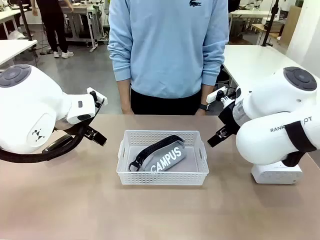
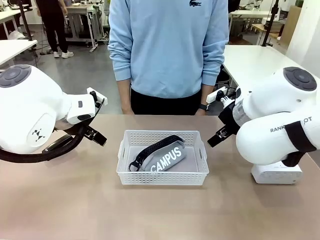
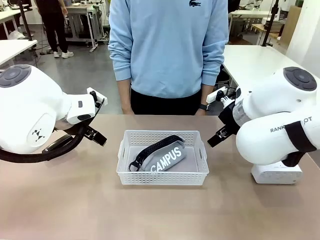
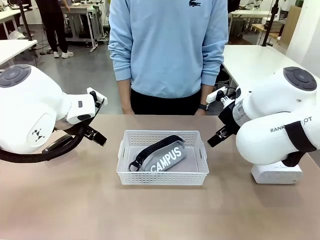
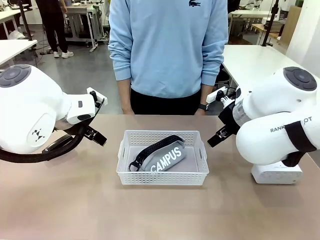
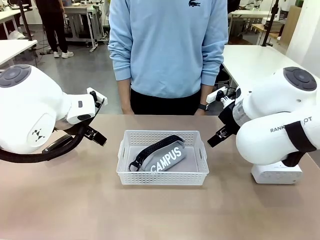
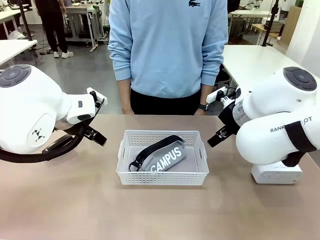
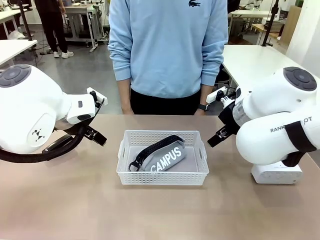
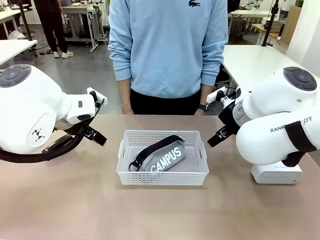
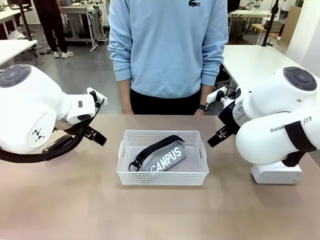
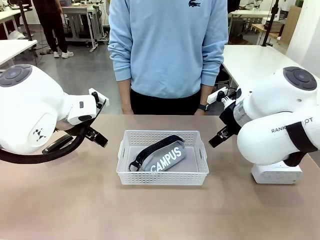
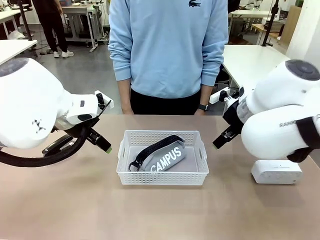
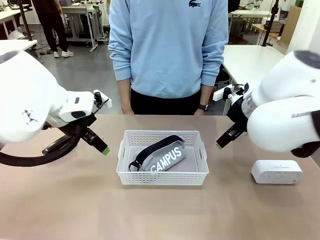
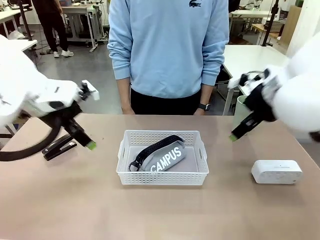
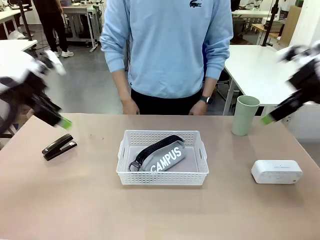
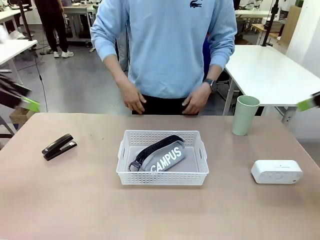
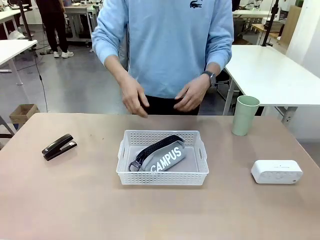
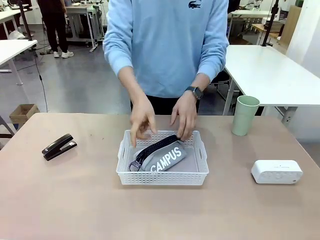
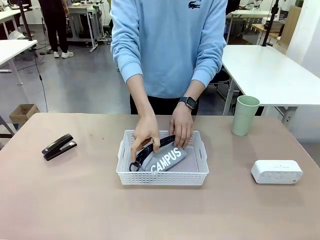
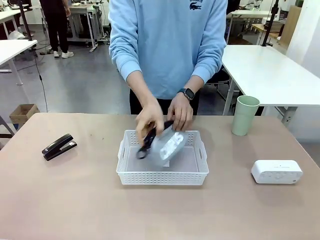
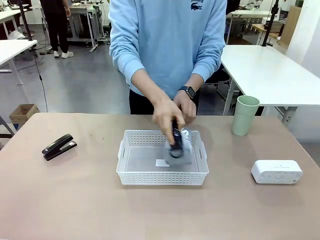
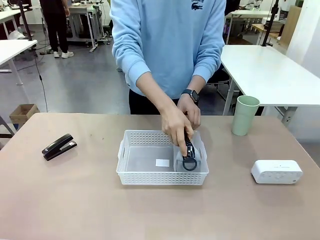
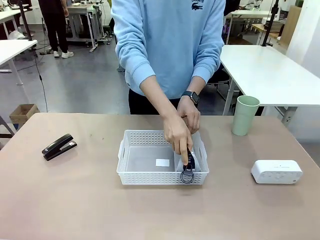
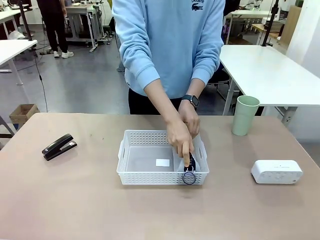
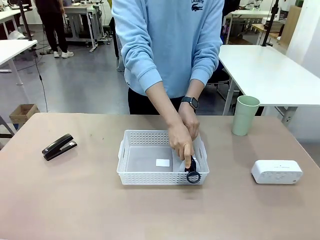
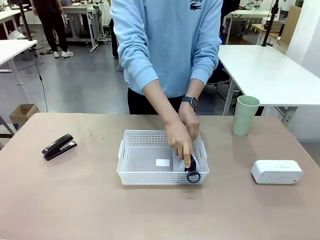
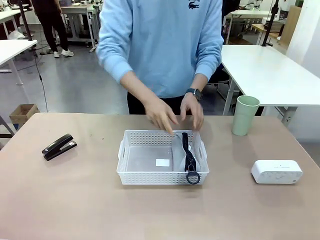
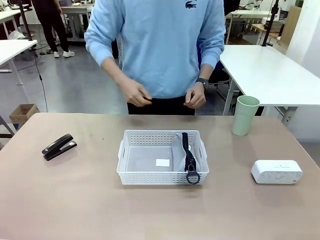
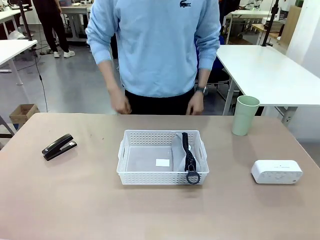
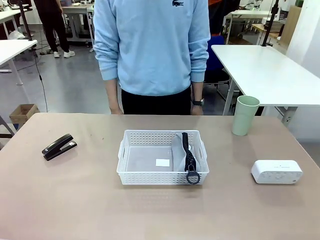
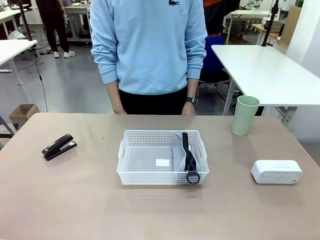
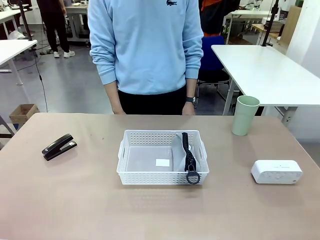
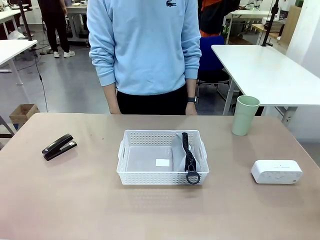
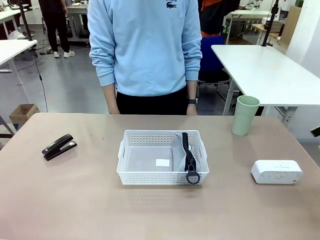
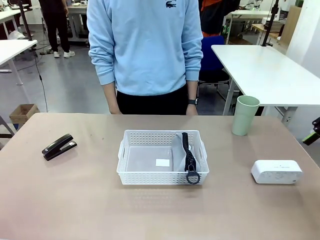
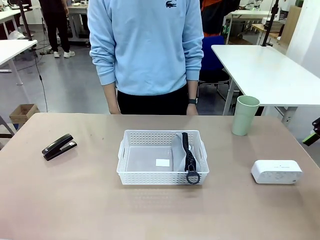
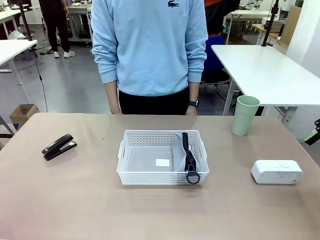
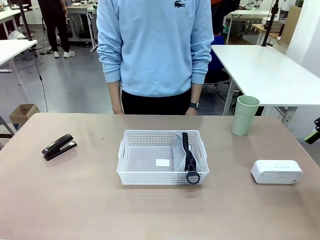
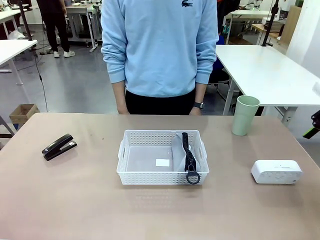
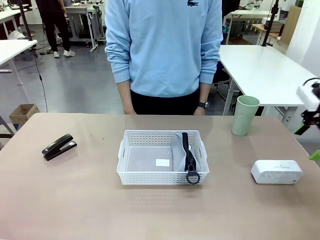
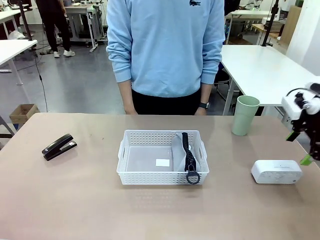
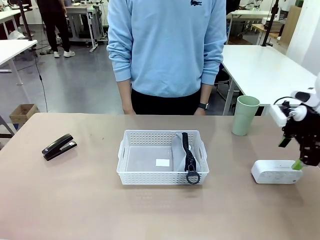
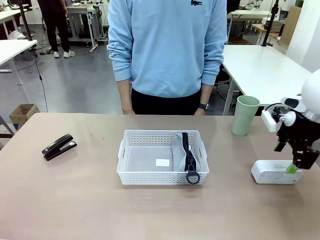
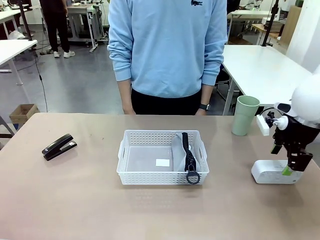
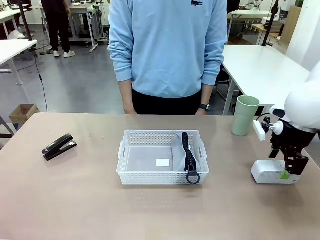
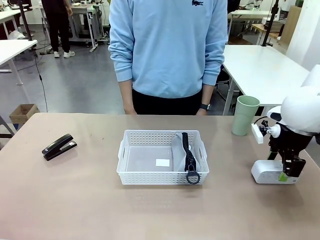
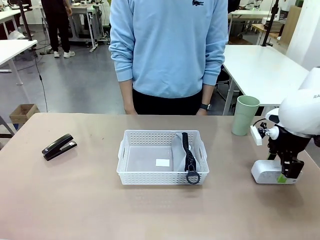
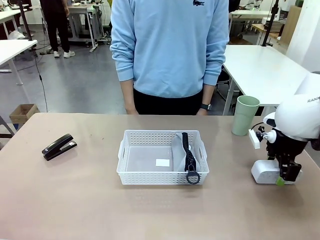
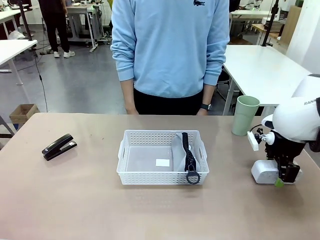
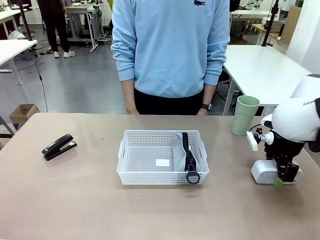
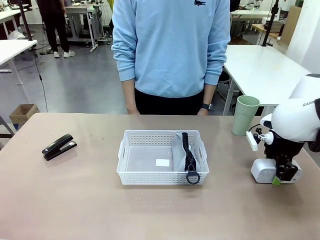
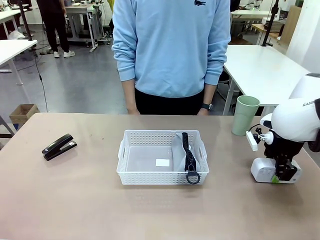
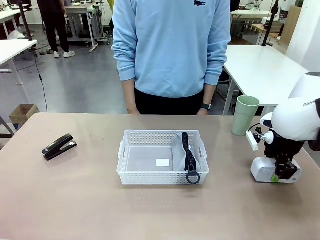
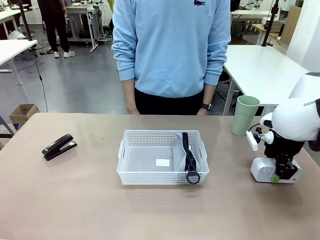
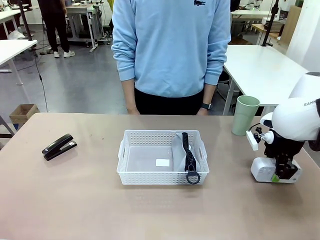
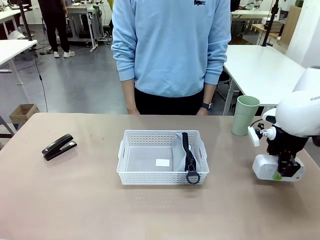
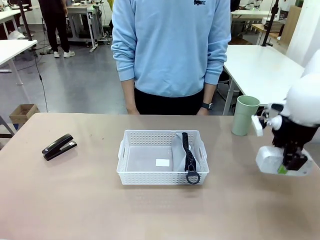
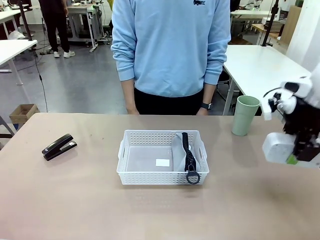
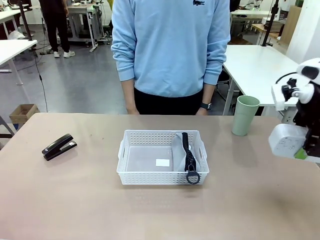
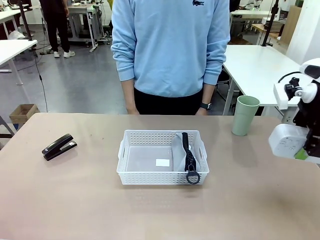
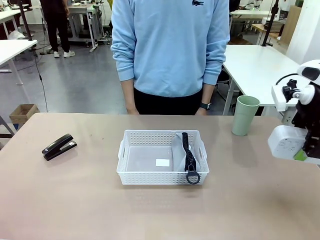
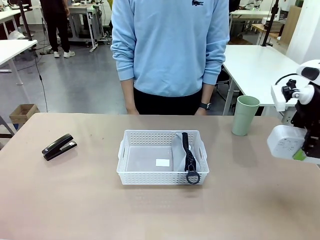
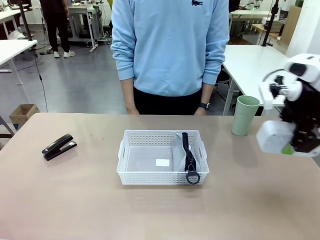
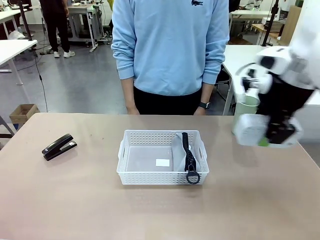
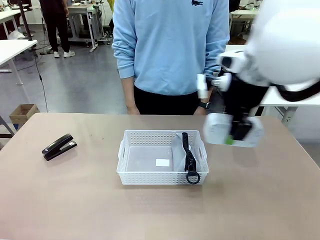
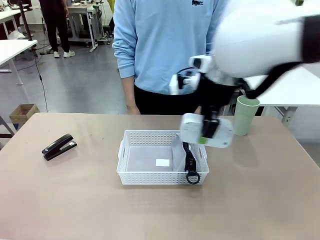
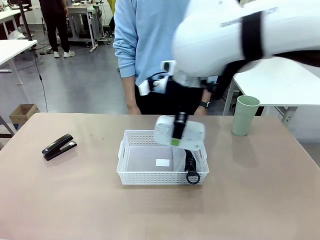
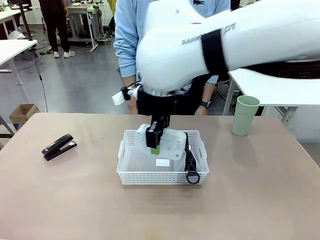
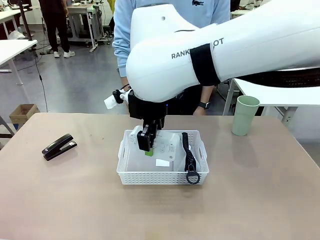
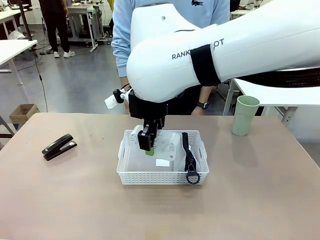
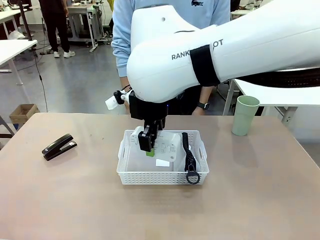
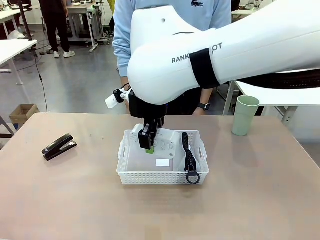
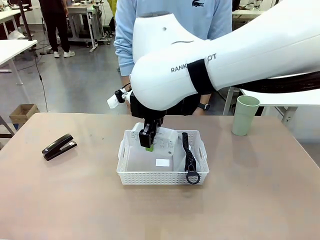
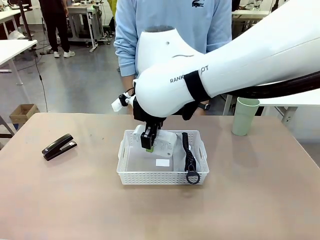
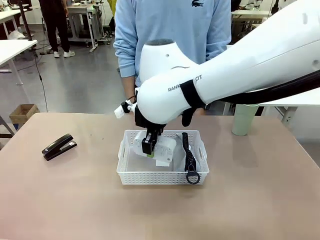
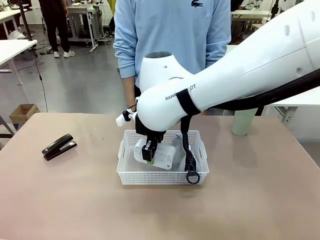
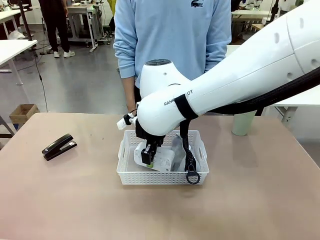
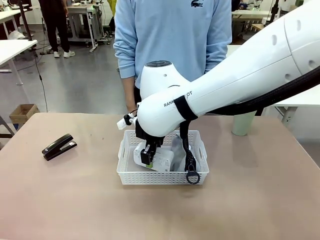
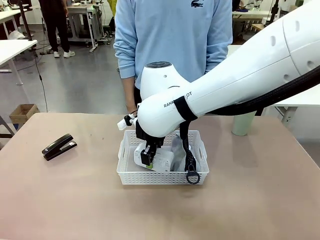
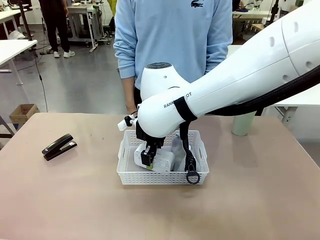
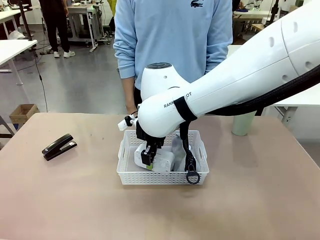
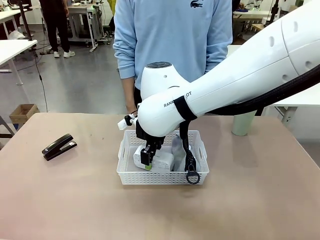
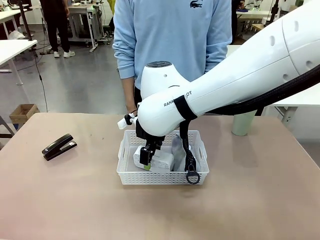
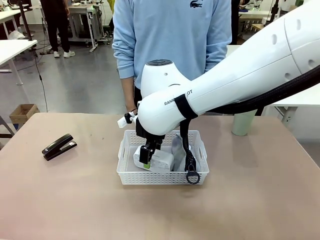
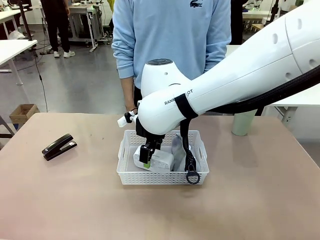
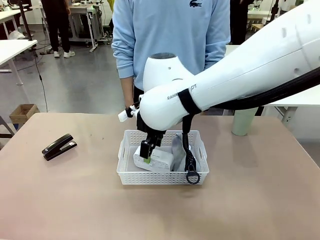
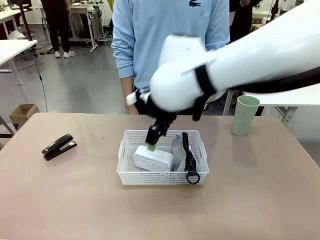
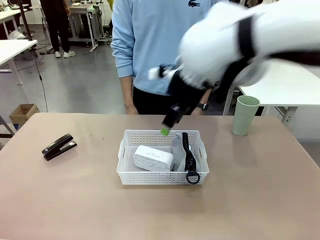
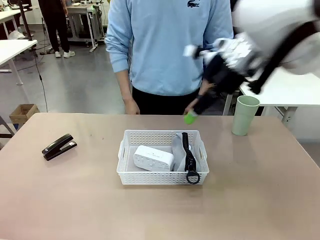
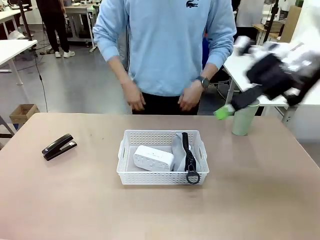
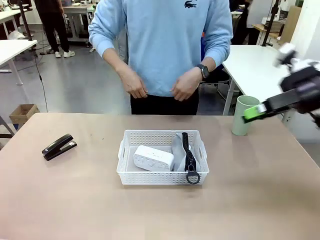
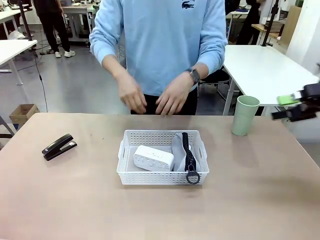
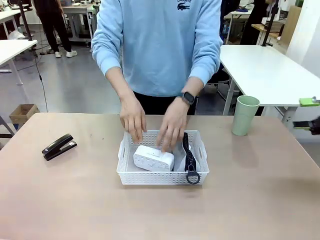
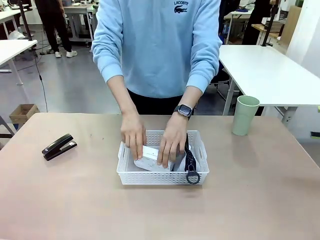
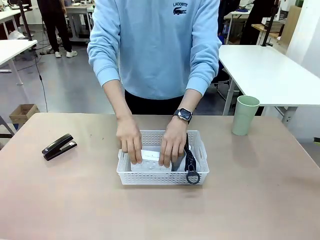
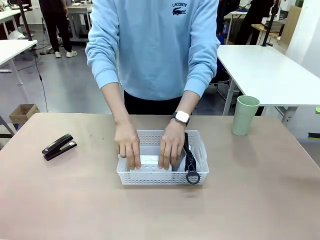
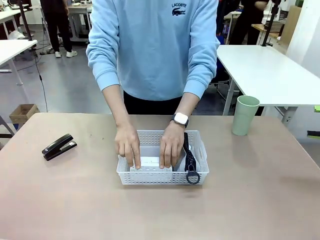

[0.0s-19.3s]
Task: Efficiently arrange items inside the basket to fit them all.
Robot: Pick up the Digital clock and place it inside the Organizing basket.
Person: Repositions the pencil case. Repositions the digital clock.
